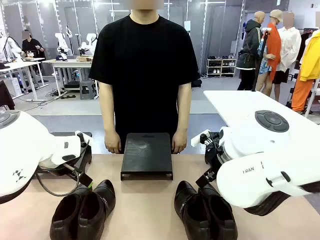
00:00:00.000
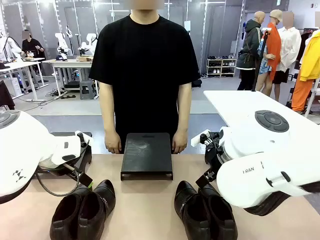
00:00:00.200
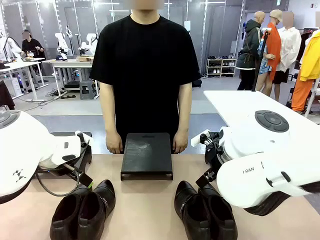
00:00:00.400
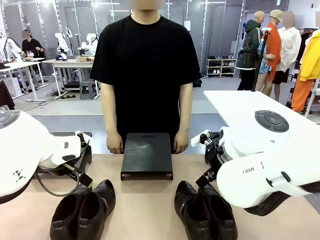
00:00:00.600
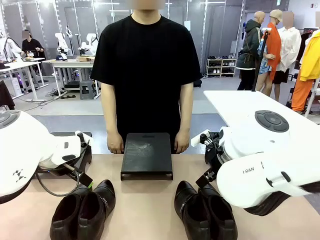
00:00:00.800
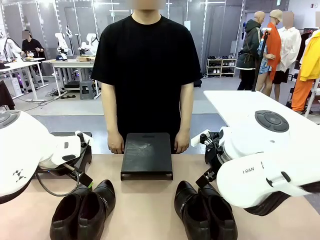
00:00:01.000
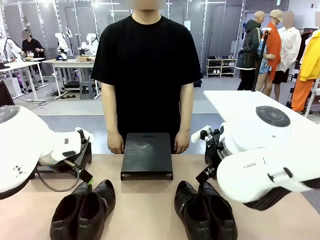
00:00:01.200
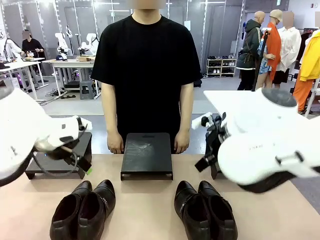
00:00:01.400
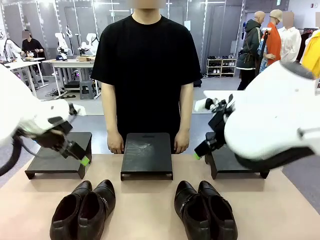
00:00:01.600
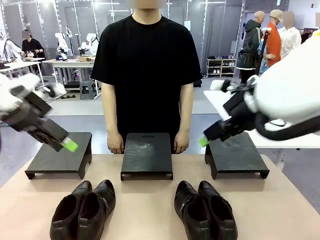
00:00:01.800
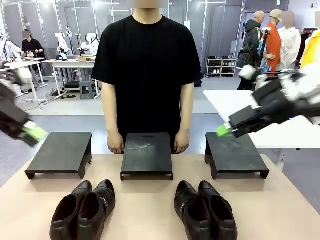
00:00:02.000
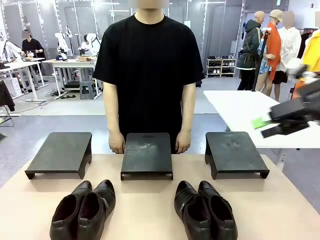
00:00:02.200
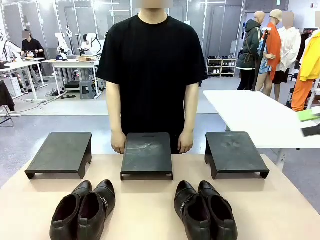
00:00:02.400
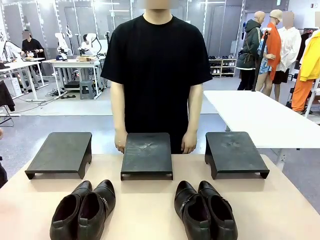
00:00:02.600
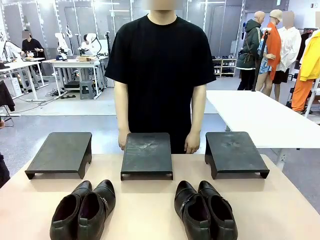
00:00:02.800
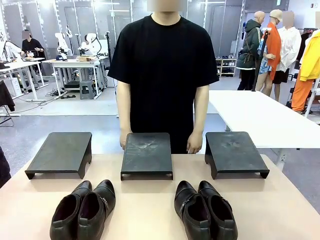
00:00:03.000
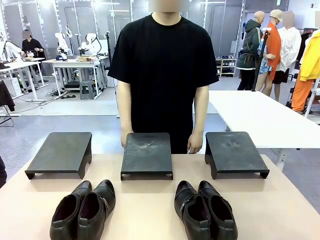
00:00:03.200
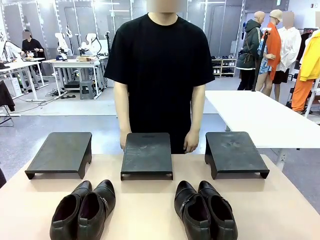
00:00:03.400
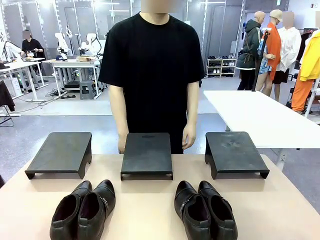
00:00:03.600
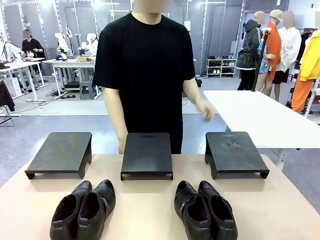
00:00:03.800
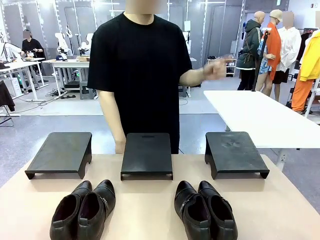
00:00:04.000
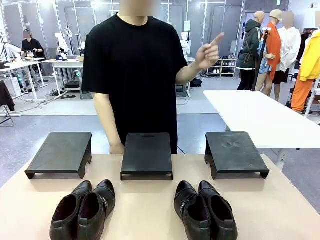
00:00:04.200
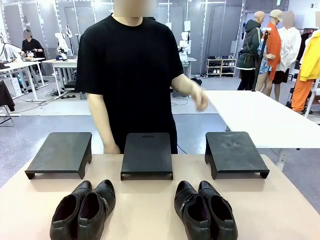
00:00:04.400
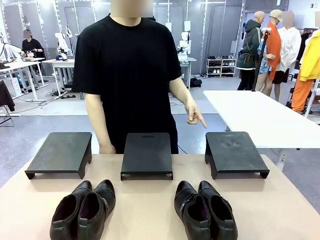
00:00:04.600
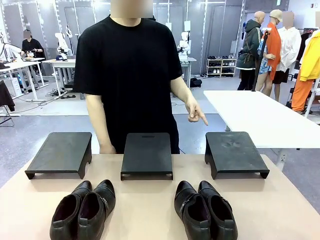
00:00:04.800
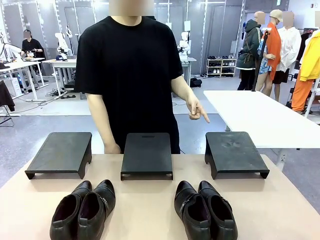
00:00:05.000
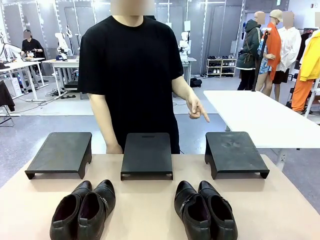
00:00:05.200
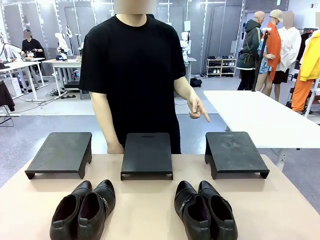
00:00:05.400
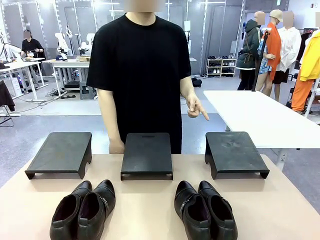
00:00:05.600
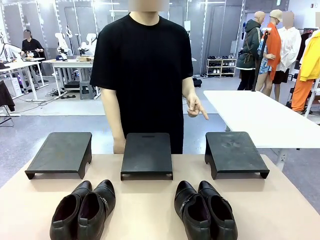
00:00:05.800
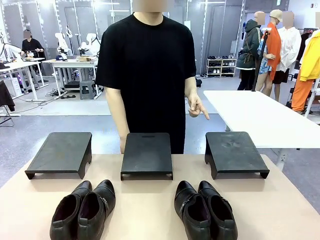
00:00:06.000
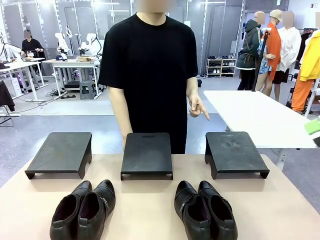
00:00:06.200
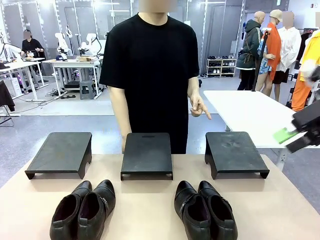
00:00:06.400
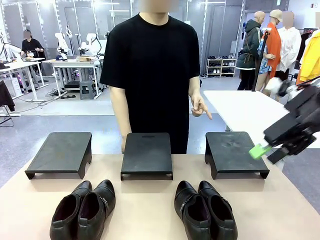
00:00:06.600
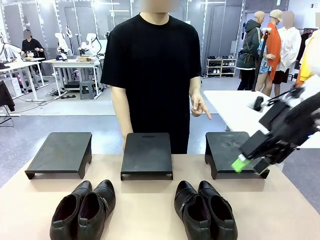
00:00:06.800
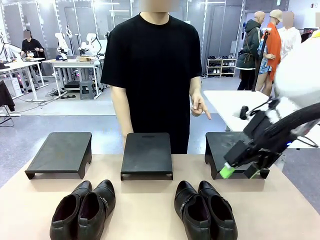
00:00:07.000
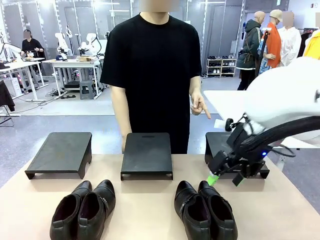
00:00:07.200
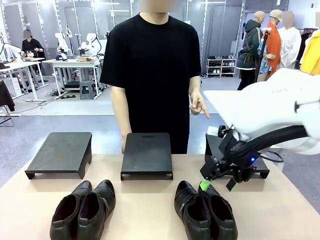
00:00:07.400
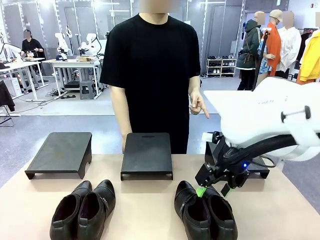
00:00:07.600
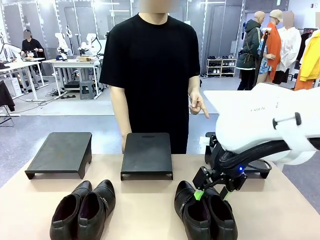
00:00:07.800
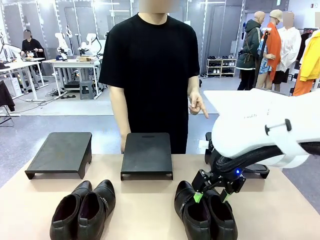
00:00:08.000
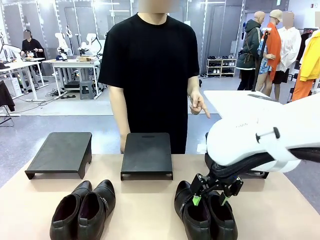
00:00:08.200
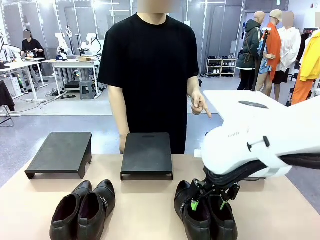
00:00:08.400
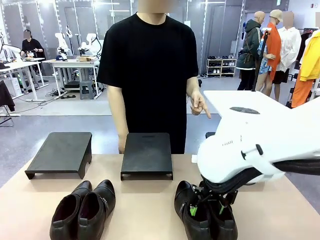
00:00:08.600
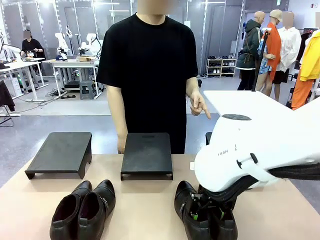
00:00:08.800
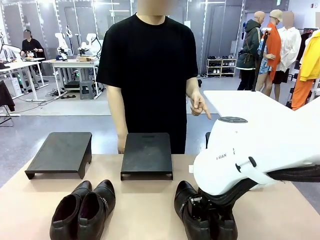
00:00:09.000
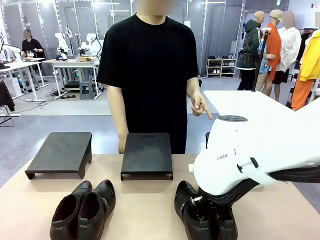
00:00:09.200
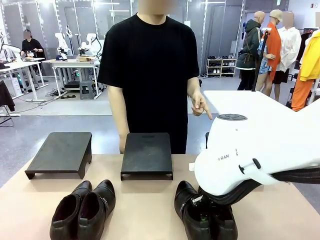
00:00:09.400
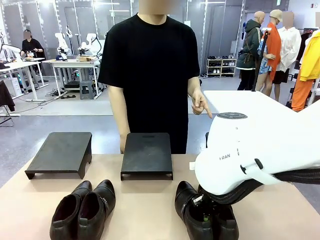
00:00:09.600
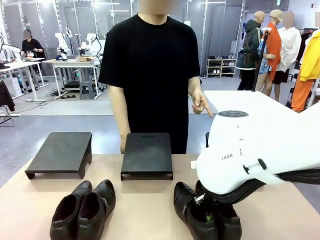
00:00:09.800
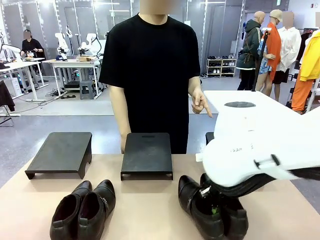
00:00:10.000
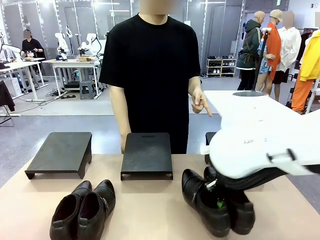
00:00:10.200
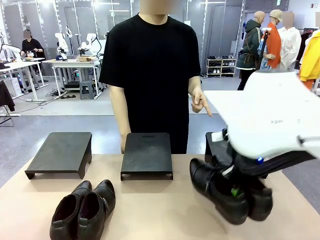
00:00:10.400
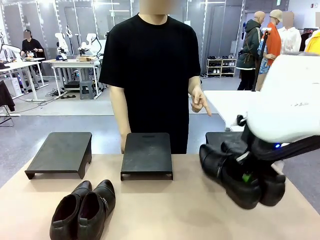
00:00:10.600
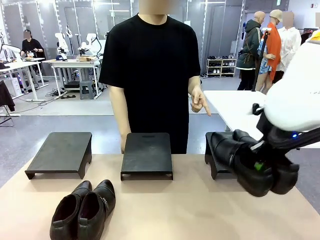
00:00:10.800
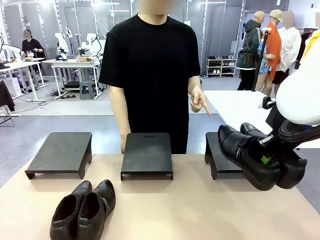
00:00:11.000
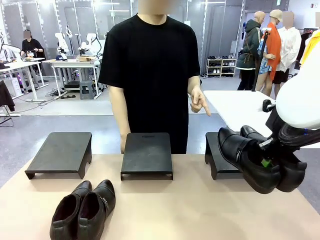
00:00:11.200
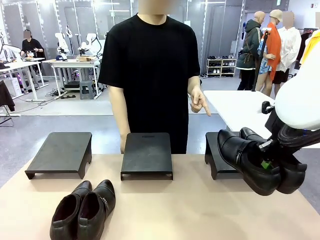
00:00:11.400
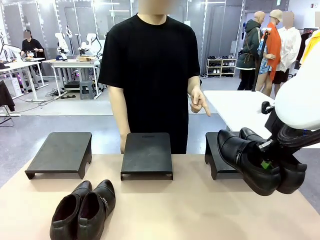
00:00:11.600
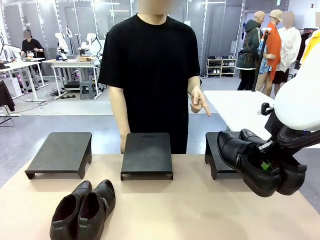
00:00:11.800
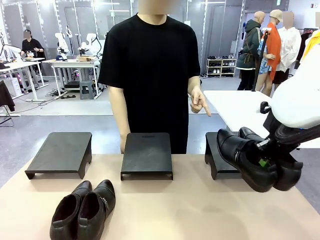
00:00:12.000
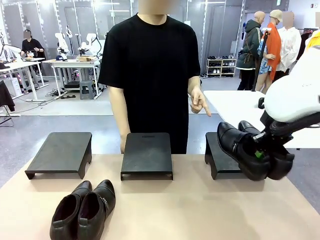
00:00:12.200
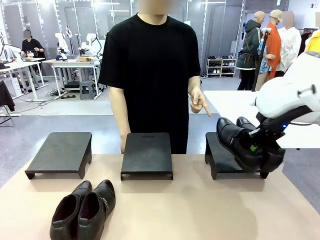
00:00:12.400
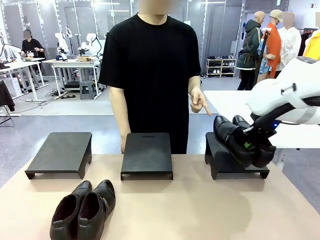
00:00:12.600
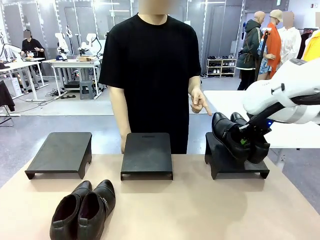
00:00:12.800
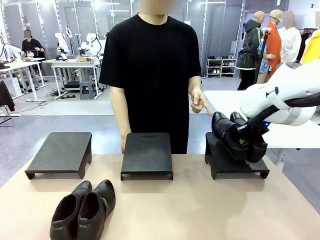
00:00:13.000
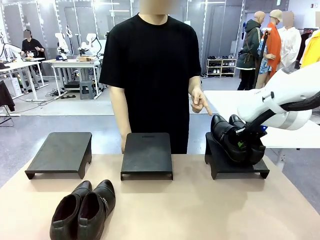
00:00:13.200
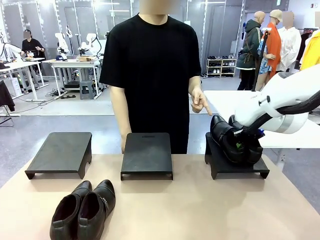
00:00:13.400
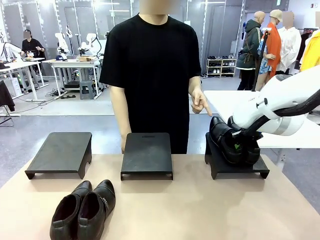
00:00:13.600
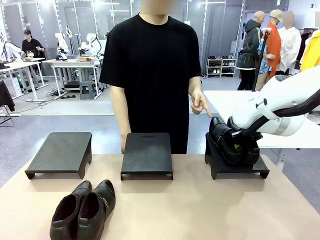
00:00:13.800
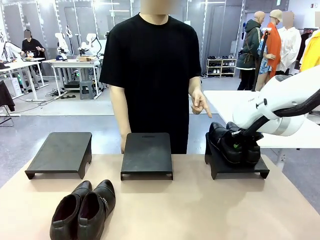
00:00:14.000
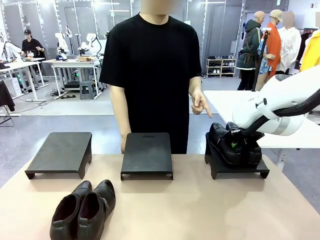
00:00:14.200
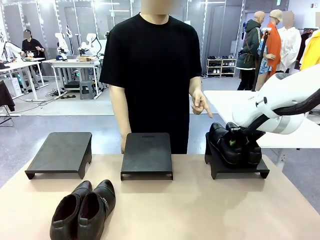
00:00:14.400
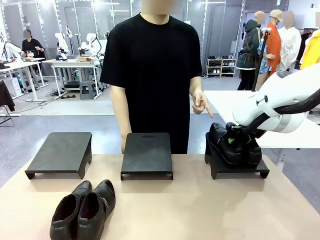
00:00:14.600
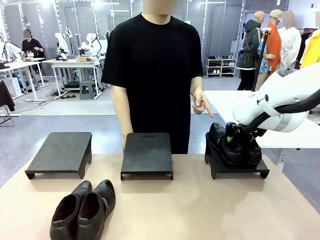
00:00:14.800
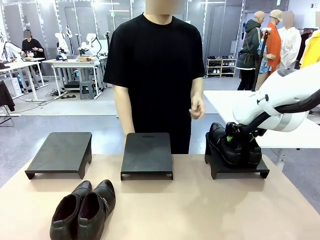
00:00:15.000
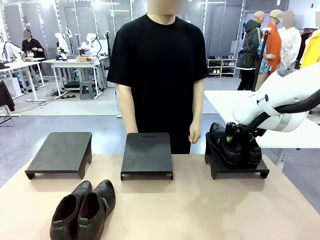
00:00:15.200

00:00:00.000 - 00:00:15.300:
Task: Place the shoes on the stand as instructed by the person.
Robot: Pick up one pair of Shoes and place it on the Shoes Stand indicated by the person.

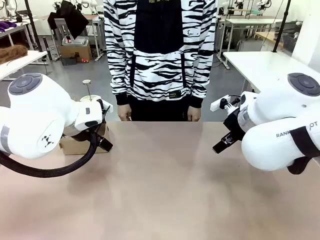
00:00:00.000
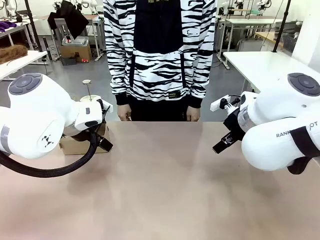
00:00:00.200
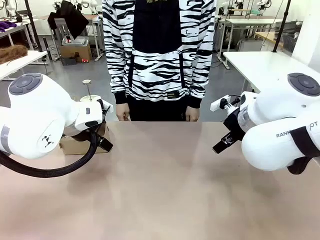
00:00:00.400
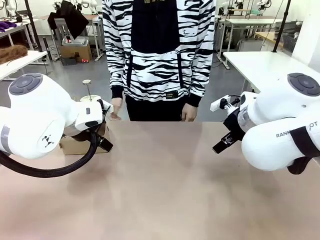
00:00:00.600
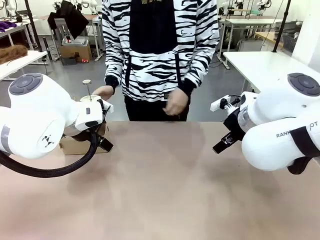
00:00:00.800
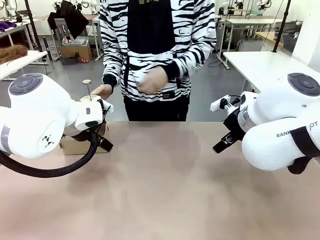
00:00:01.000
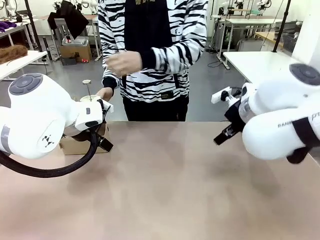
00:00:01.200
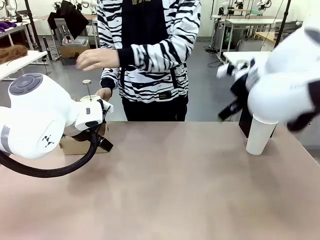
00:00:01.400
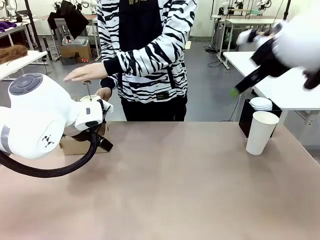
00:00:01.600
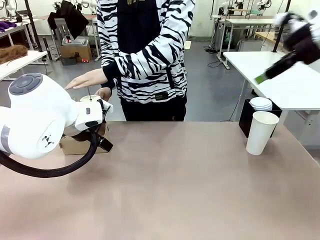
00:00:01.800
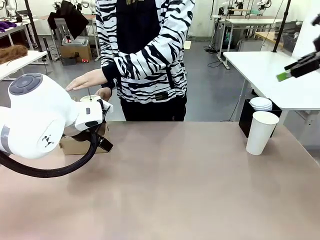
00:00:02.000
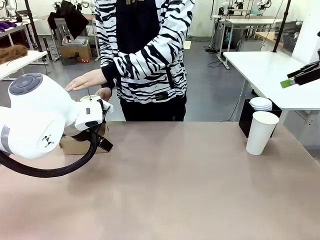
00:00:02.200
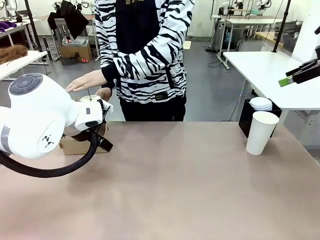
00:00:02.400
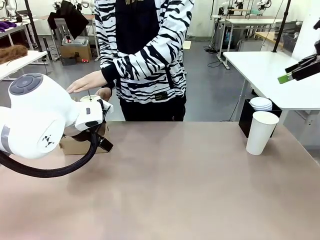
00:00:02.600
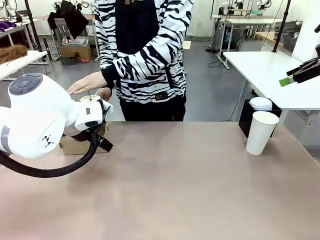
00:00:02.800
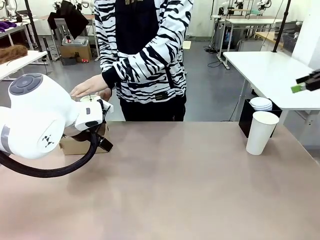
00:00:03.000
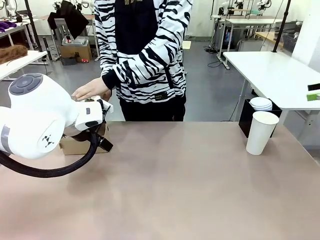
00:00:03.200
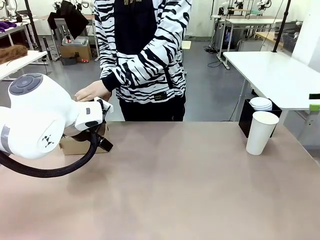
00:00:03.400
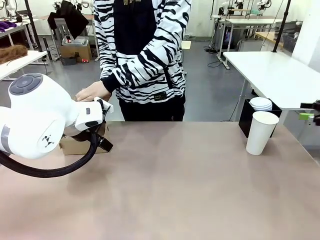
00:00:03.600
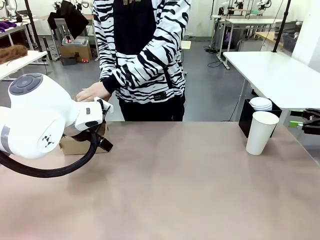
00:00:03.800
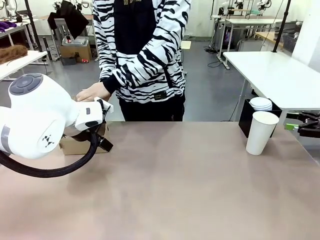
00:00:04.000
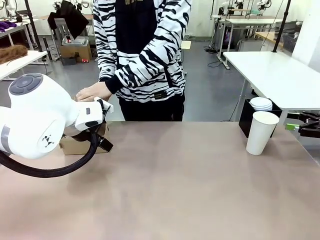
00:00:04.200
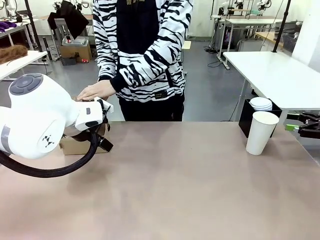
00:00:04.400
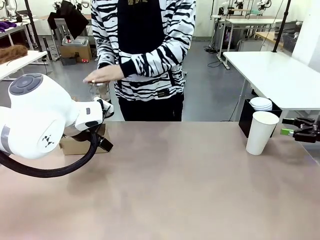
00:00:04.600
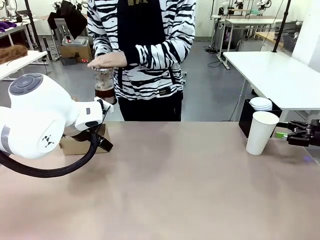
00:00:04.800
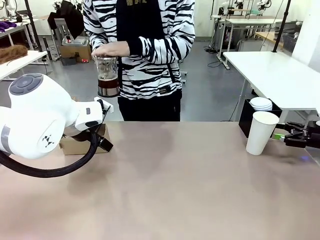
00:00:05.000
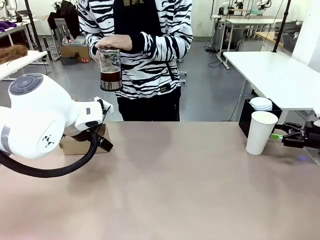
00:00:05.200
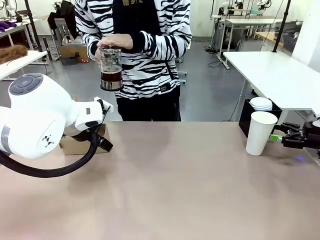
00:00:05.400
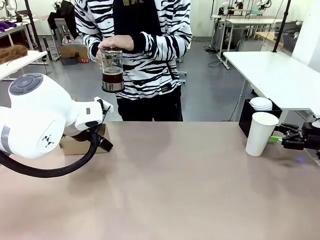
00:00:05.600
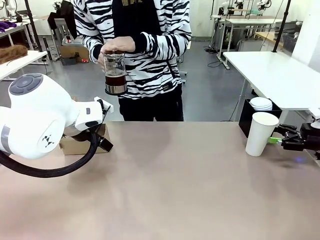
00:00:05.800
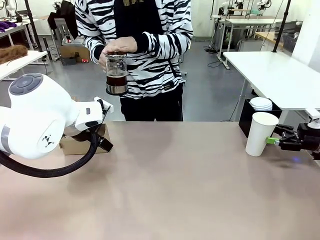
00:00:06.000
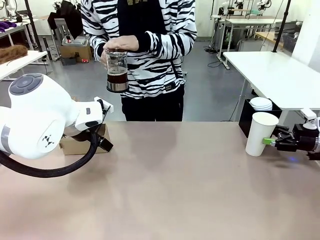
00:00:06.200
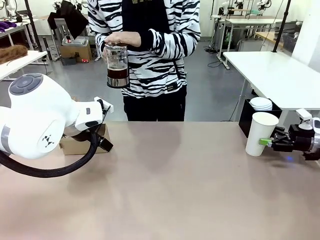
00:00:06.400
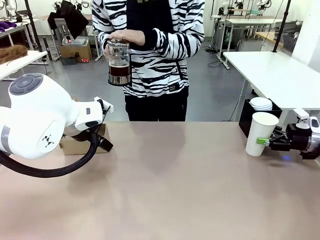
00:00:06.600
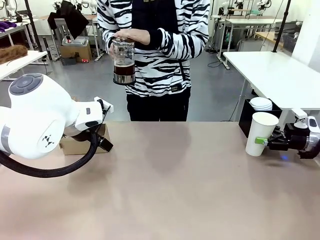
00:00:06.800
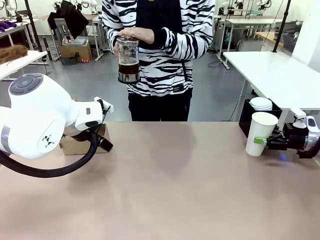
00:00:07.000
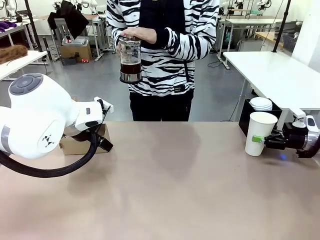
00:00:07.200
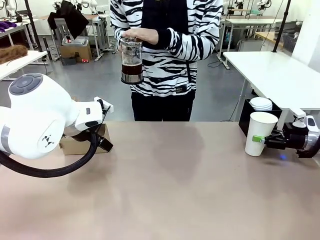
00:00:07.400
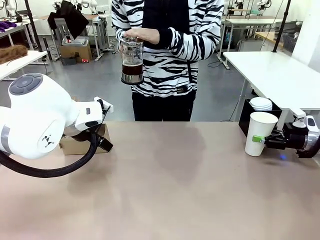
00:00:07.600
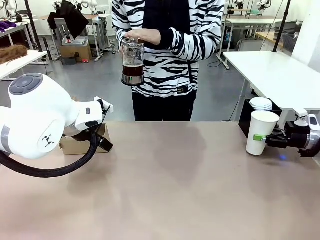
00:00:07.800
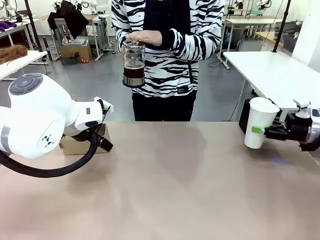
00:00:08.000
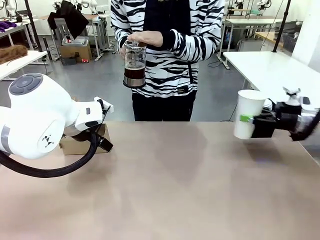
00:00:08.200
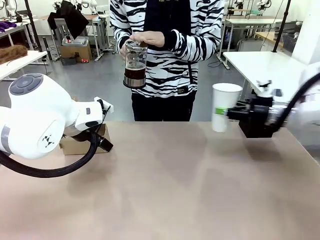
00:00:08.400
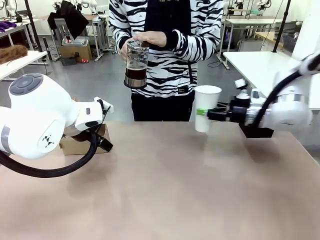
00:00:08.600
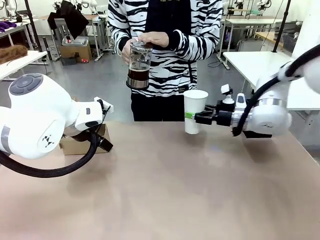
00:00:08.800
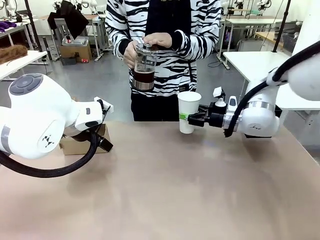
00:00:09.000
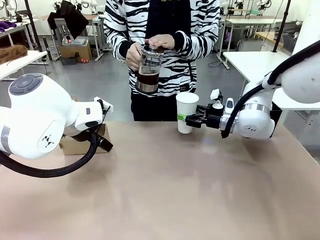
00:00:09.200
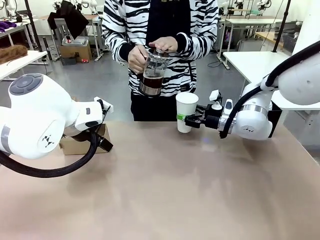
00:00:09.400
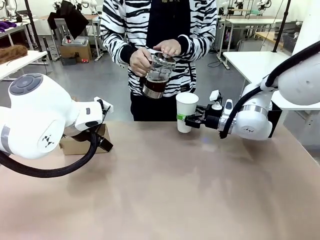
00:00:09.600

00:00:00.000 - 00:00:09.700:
Task: Pour a drink into a cup and package it in a carrier.
Robot: Pick up the 600 ml Paper Cup and place it in the middle top area of the table.
Person: Press and pick up the Filter Brewing.
